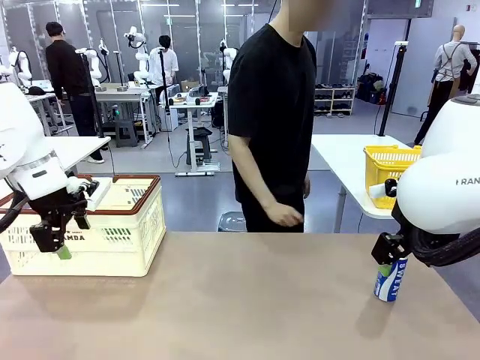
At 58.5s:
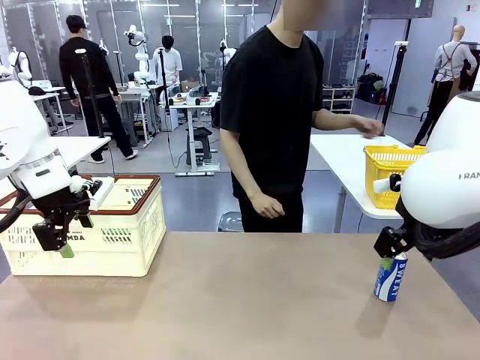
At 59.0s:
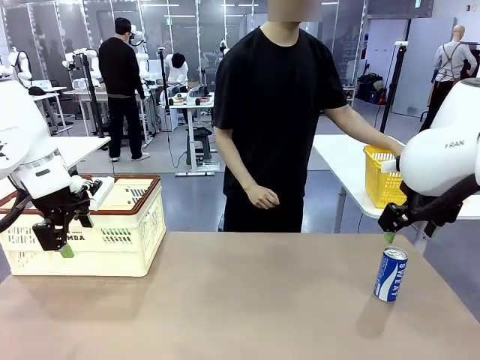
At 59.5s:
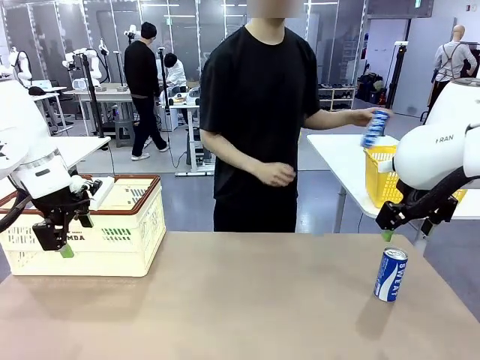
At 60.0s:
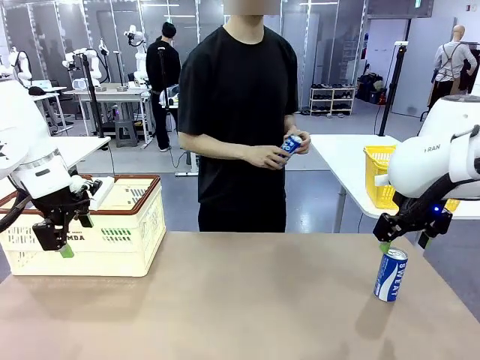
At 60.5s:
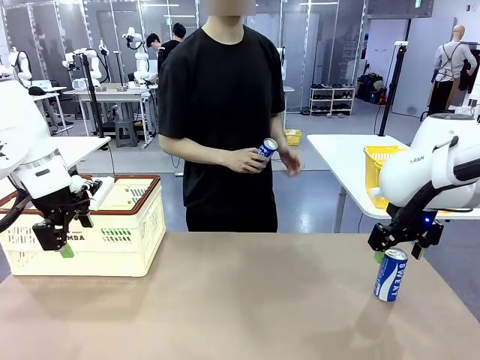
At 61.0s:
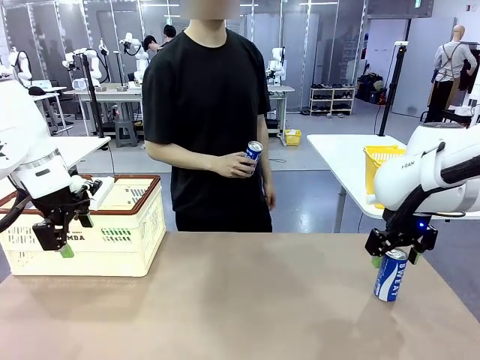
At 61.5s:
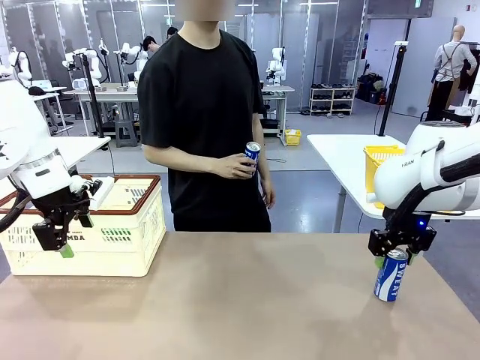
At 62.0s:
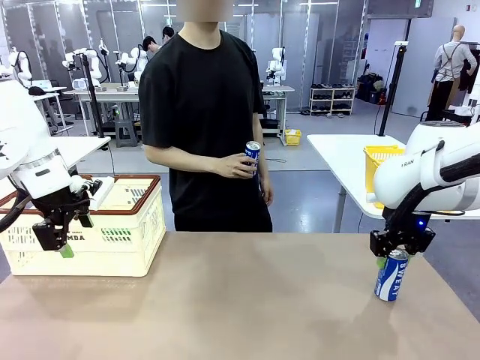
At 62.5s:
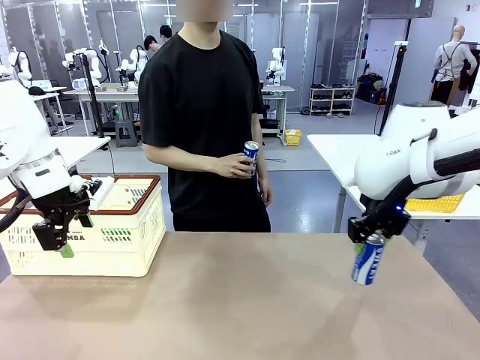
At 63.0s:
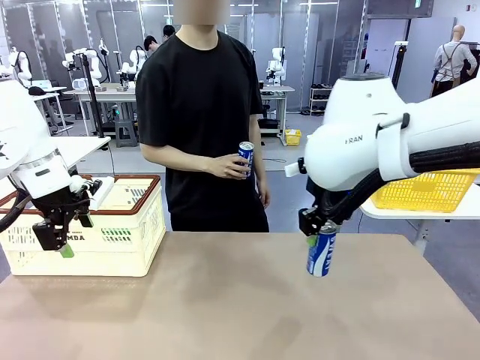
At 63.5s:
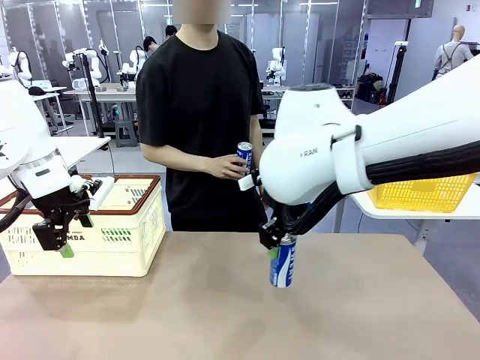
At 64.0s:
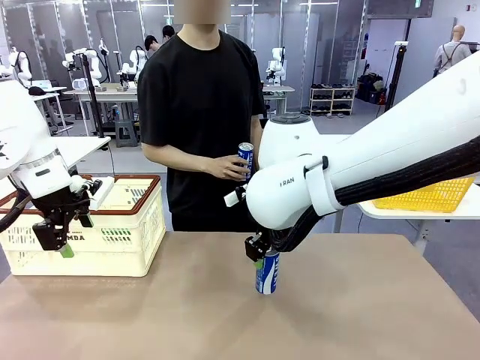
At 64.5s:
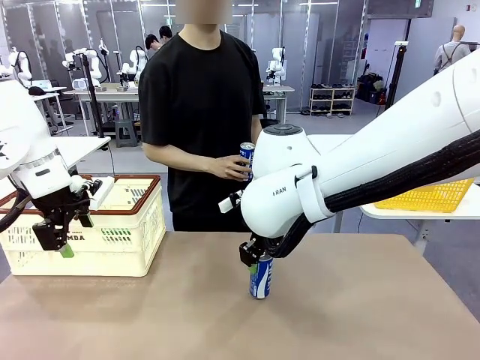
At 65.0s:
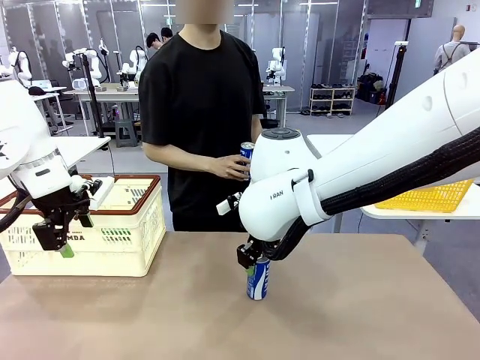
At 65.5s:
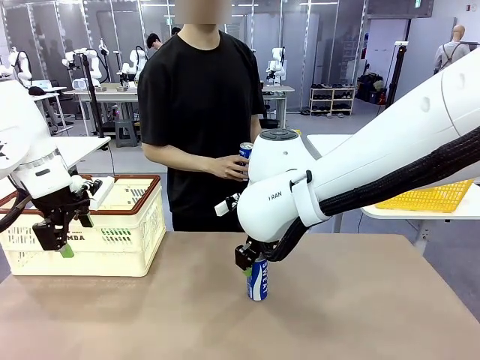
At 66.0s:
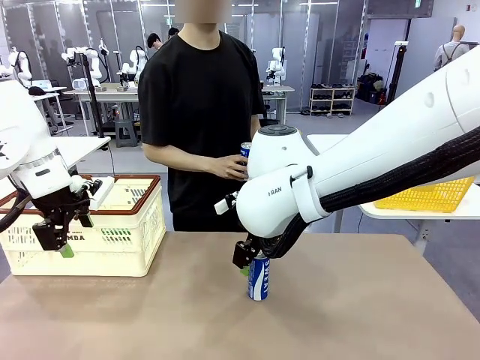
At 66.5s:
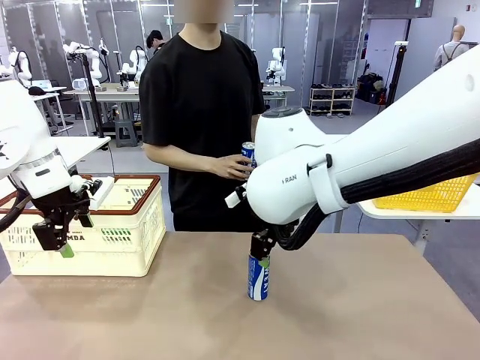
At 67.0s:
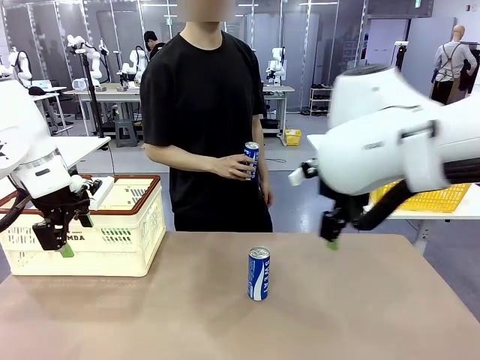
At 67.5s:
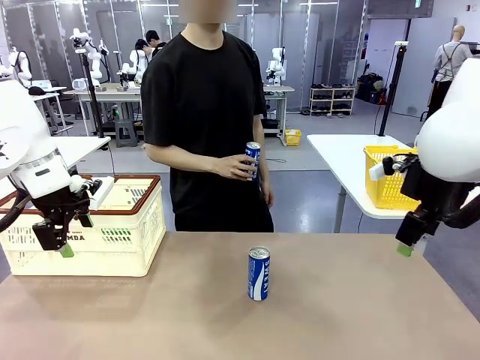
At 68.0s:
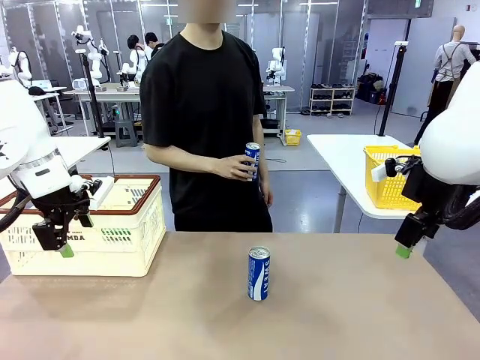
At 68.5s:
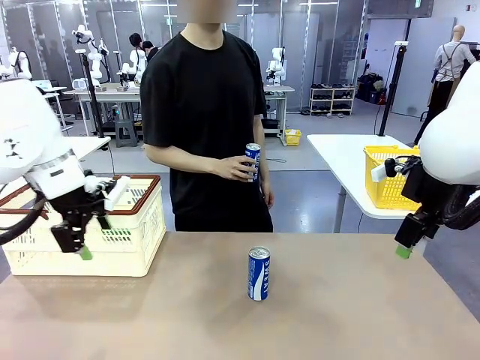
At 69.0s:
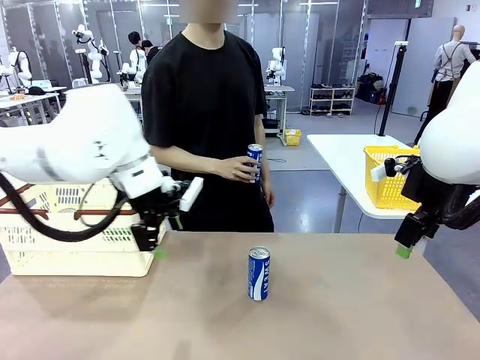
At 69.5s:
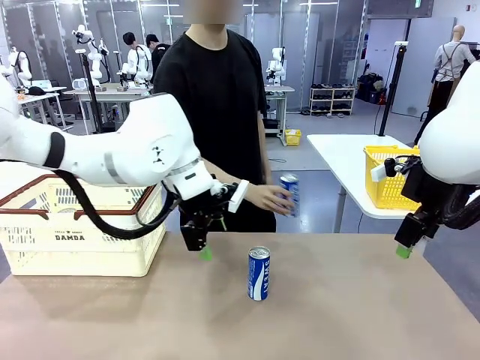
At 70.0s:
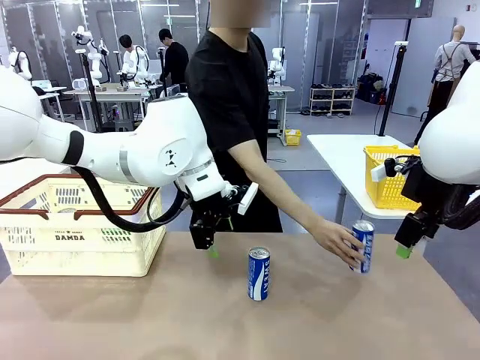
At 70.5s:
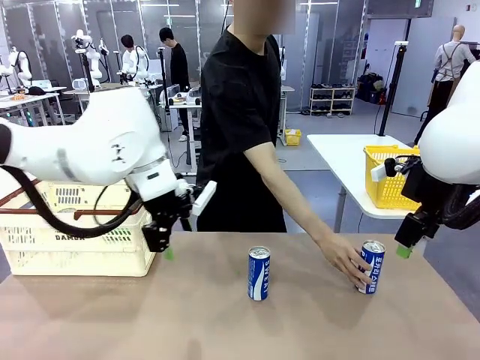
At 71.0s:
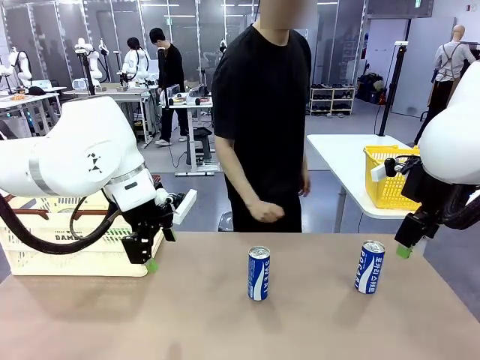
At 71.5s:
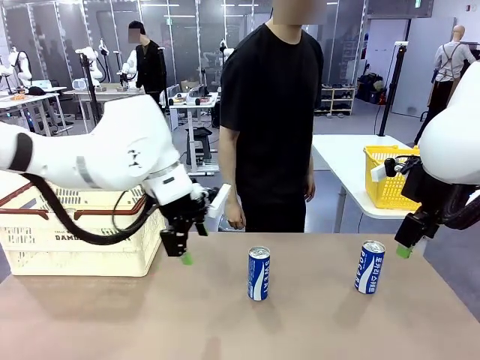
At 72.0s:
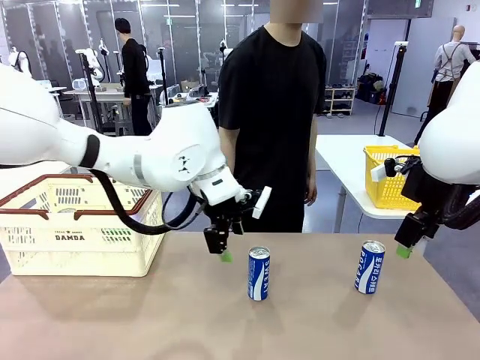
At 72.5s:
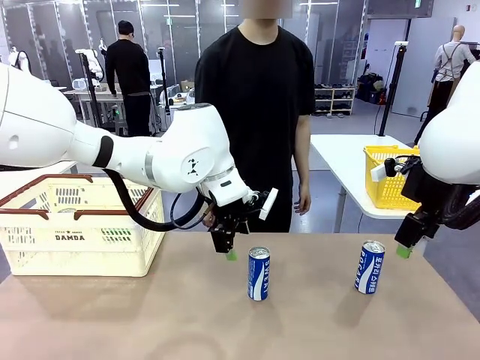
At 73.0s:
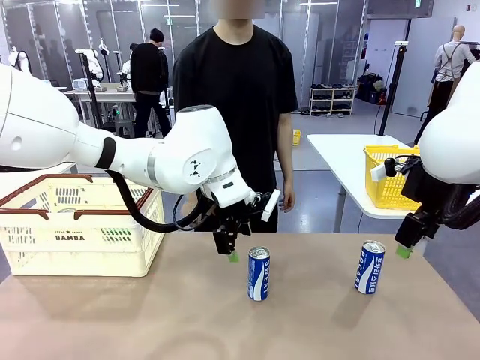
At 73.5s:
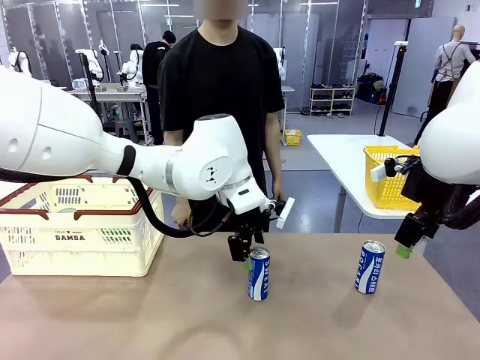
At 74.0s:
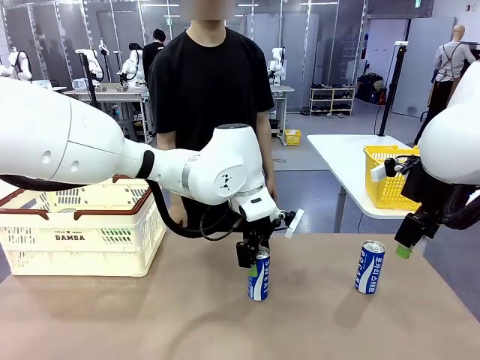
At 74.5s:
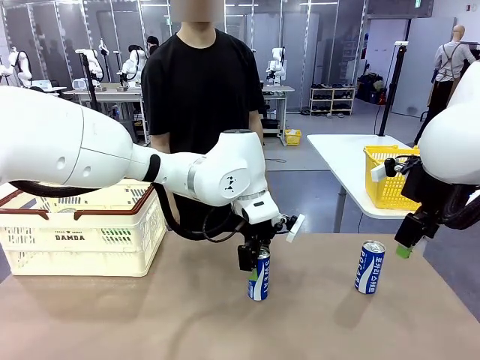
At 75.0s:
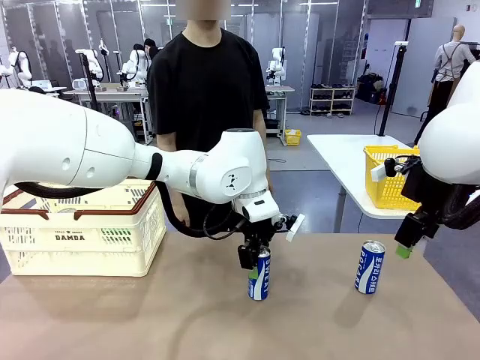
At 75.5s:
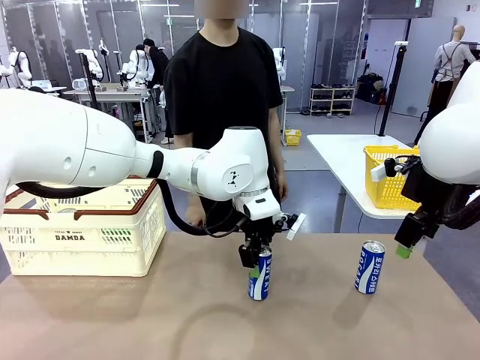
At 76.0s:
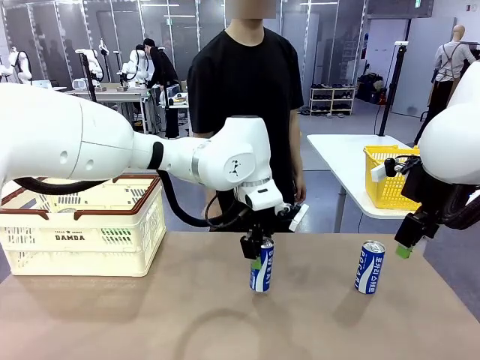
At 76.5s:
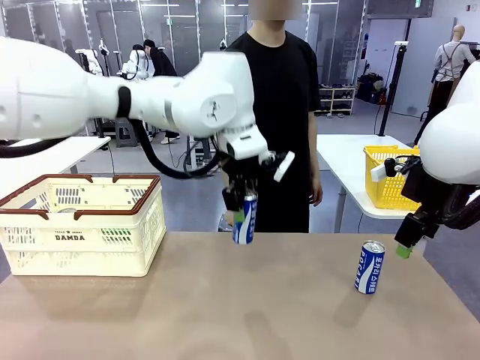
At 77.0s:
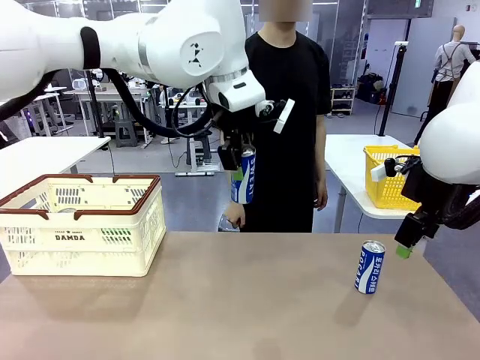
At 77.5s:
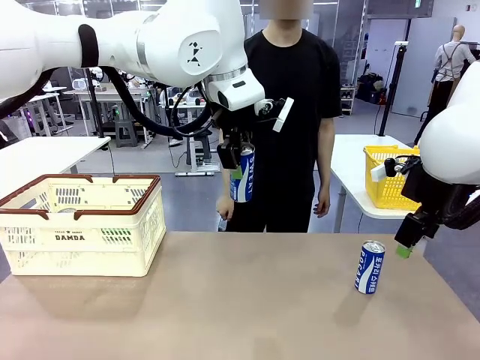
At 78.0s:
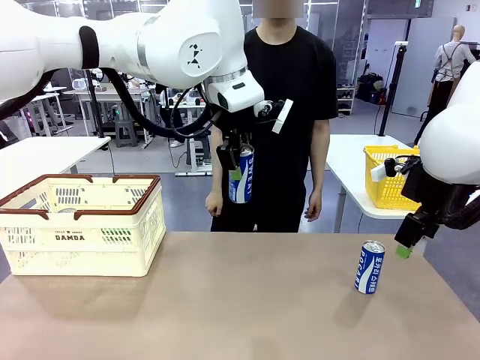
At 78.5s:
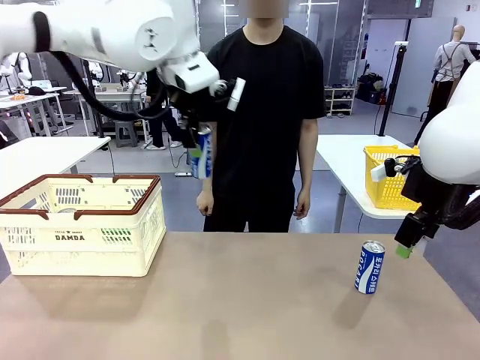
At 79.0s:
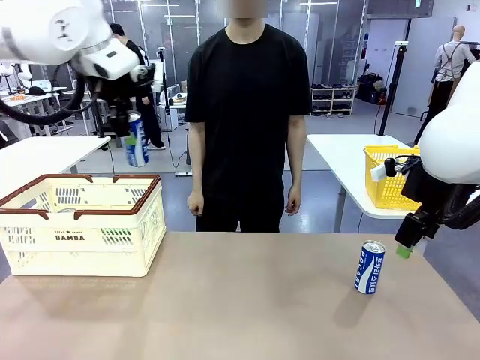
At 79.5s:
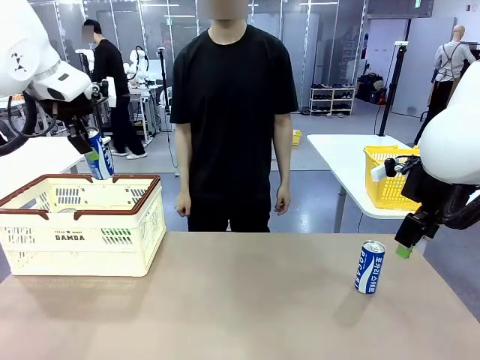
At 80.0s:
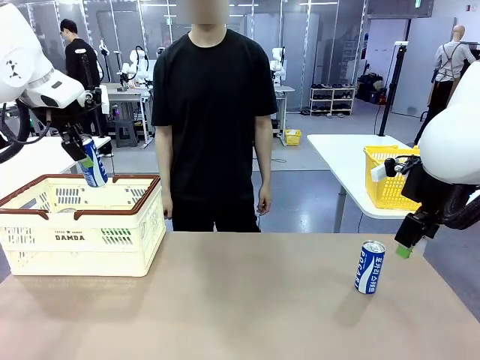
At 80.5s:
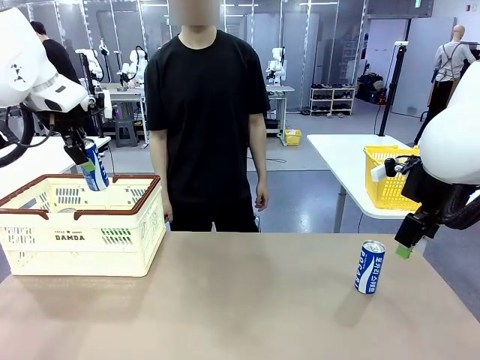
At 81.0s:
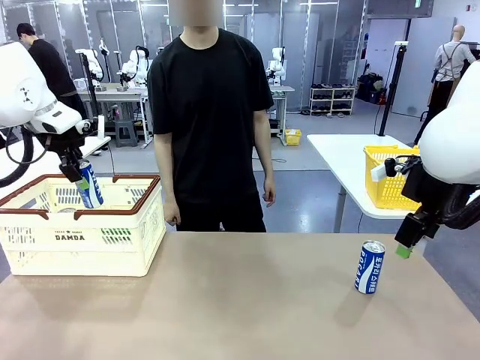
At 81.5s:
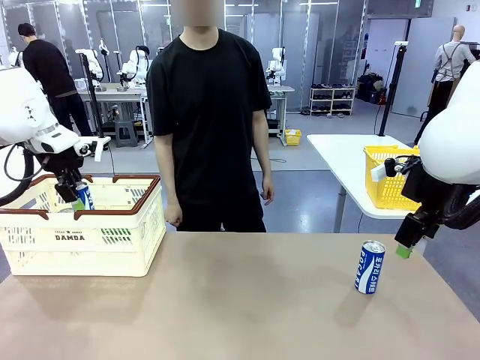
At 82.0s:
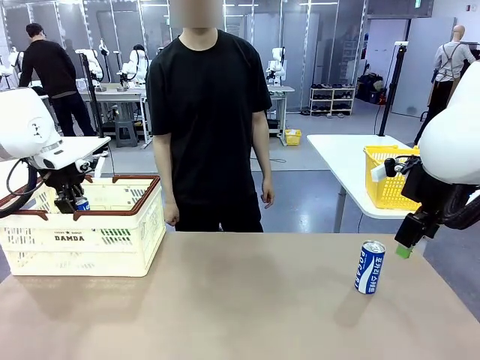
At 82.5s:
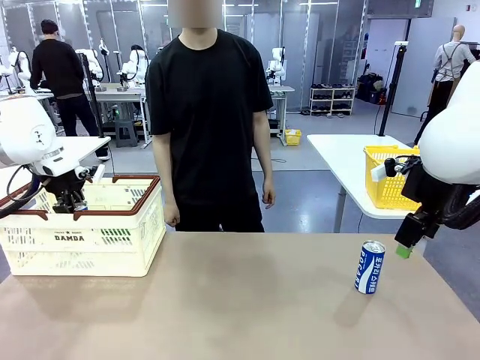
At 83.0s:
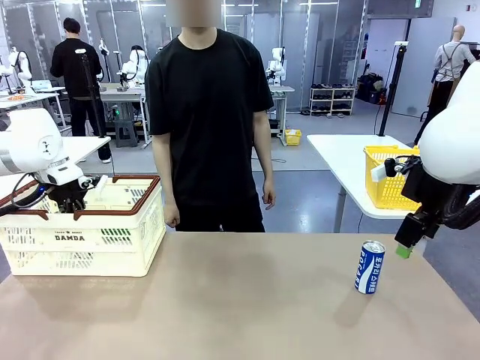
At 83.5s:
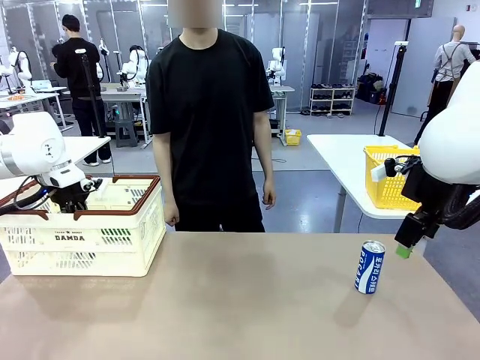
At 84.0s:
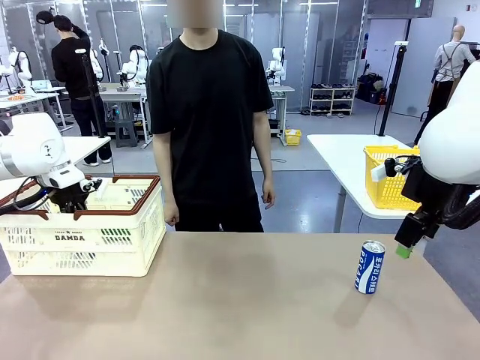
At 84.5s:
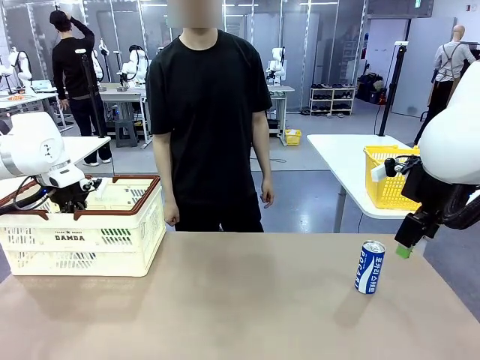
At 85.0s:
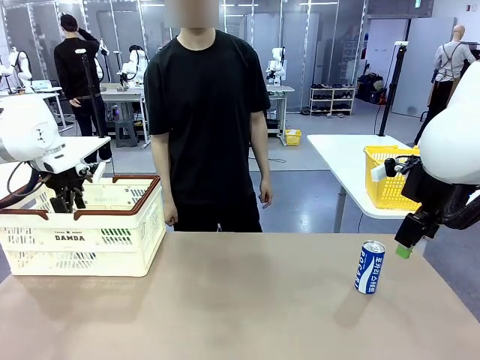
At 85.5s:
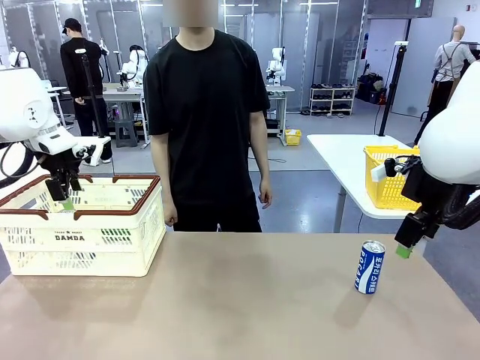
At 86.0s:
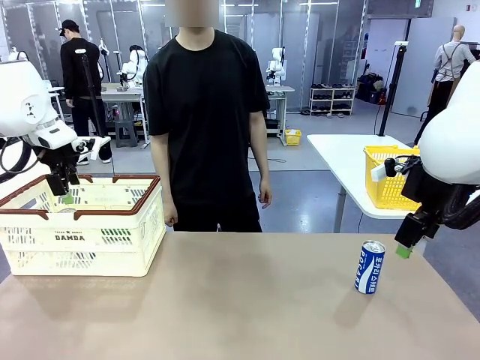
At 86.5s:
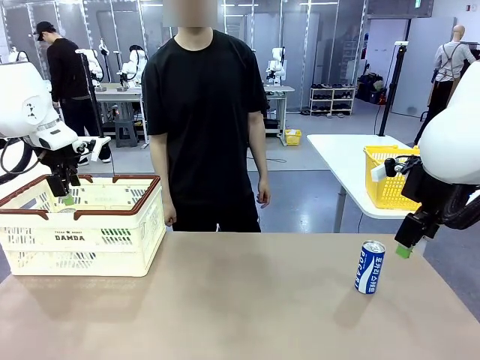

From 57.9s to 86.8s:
Task: Place the drinks into the Shopping basket.
Robot: Pick up one drink and place it into the Shopping basket.
